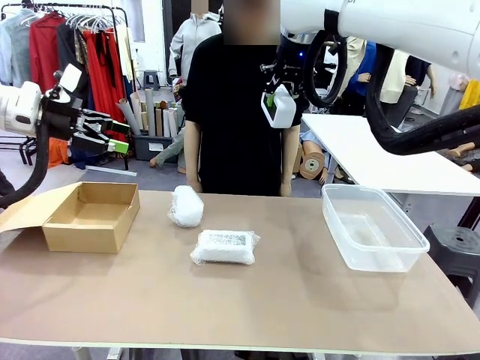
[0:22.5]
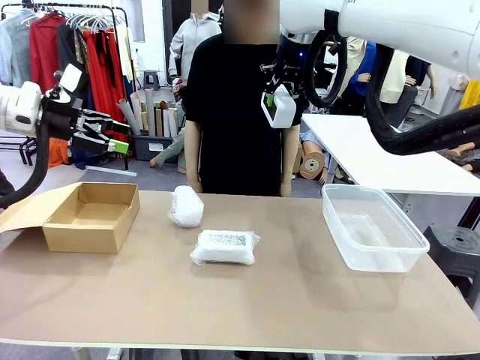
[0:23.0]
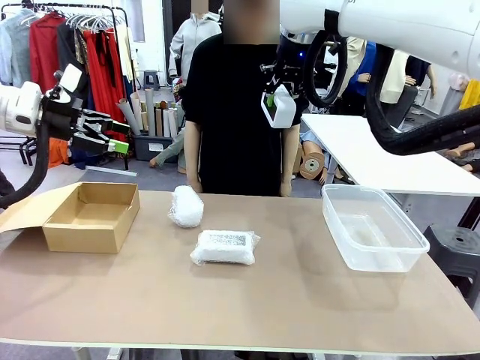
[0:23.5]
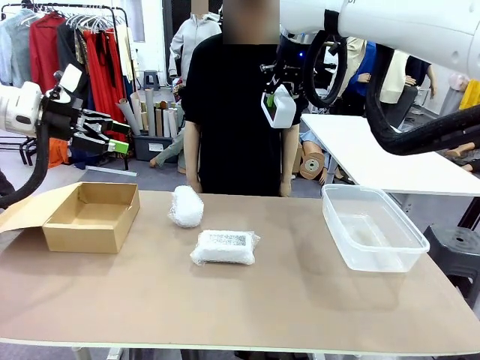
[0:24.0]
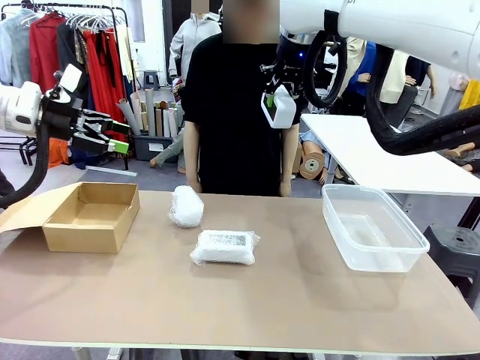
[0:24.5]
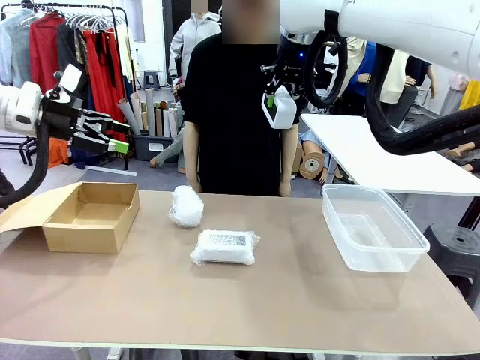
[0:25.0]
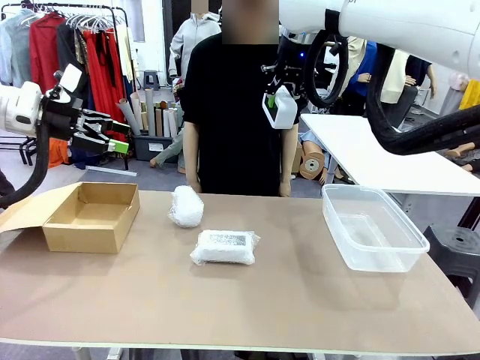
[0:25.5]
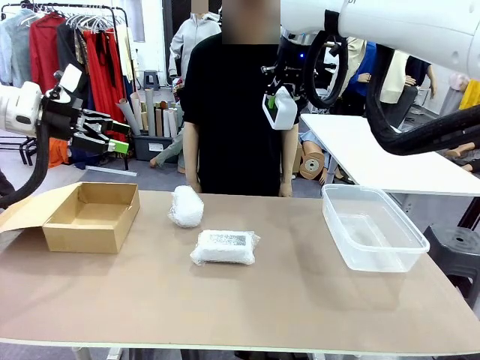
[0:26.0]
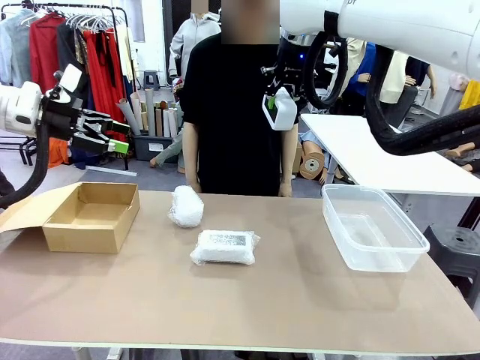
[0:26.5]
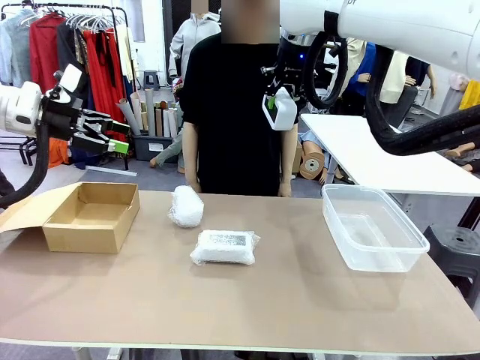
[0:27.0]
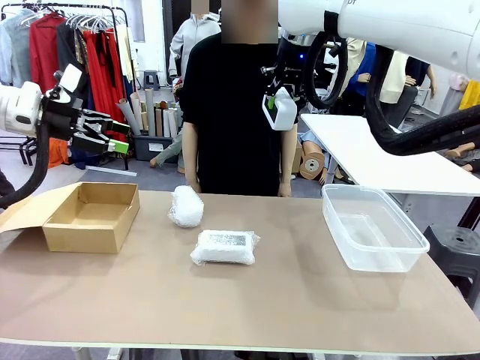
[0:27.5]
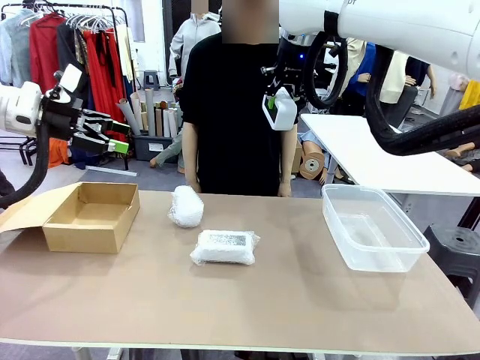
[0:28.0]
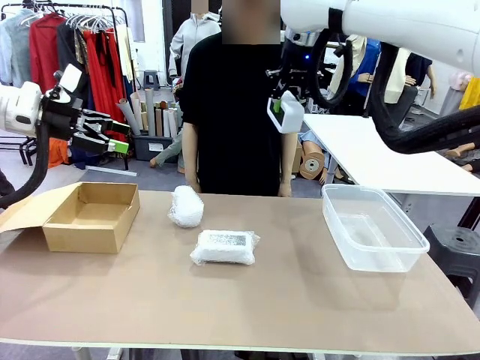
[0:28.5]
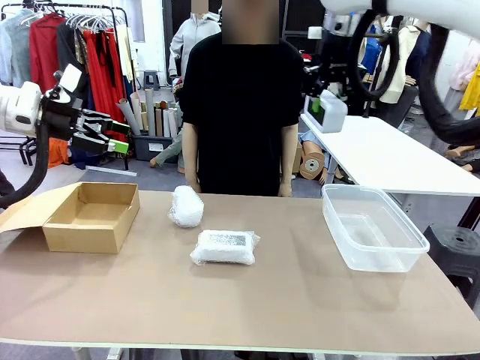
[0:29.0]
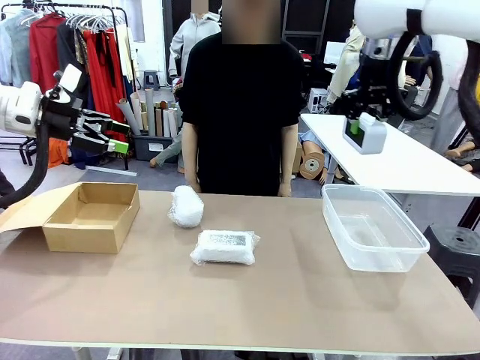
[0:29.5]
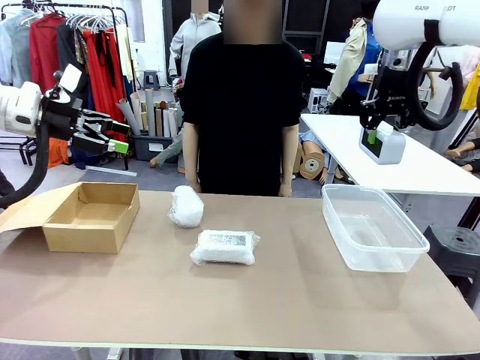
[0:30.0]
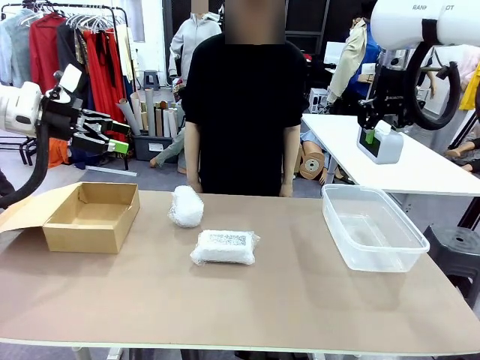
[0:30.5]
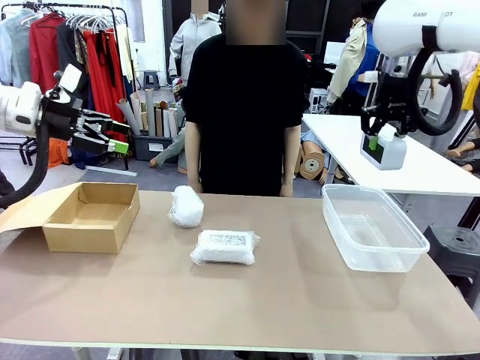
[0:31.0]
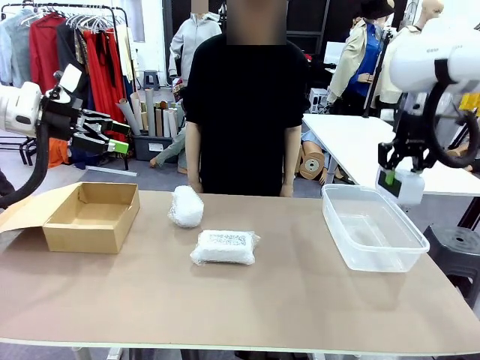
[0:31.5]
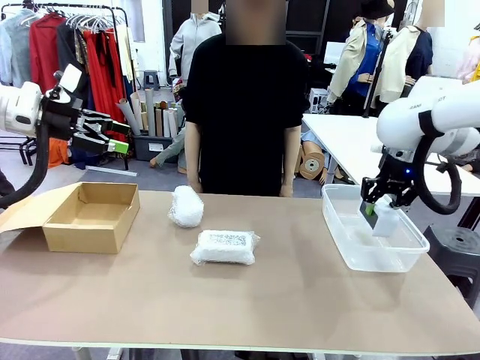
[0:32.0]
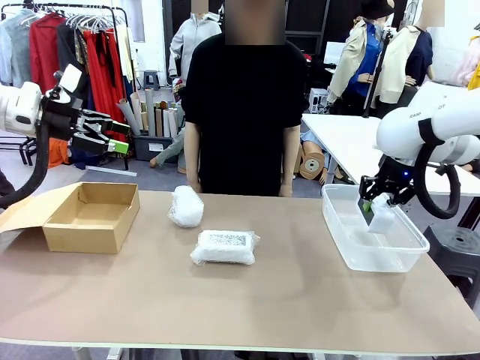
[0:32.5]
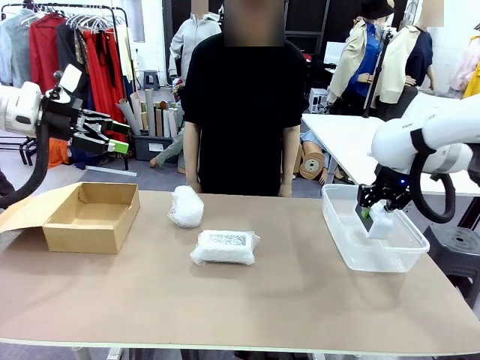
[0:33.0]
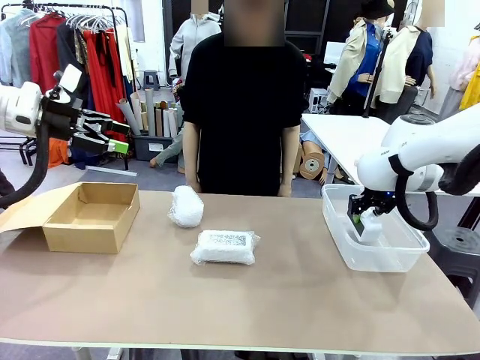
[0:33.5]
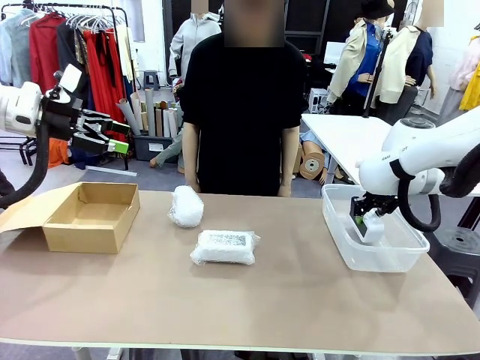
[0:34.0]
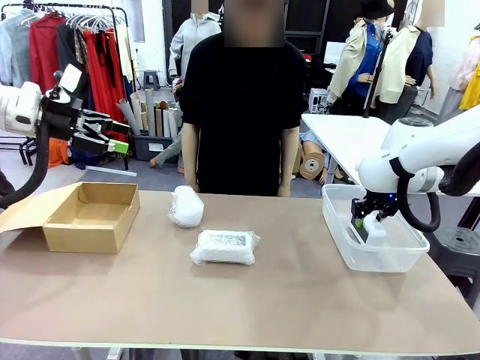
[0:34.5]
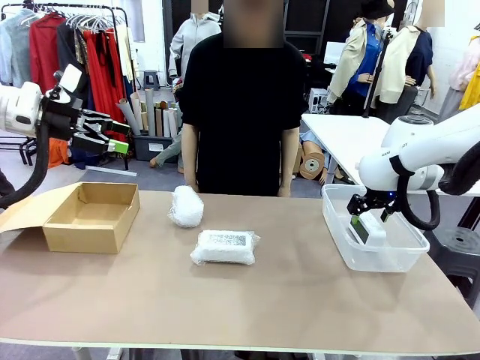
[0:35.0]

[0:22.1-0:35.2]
Task: Separate and place wrapped and unwrapped clocks.
Robot: If the picked Digital clock is wrapped, place it in the Package Box ; if not, place it in the Organizing box.

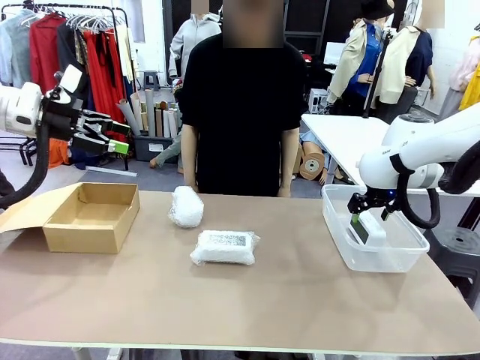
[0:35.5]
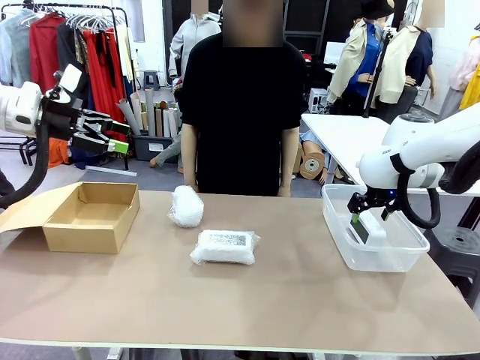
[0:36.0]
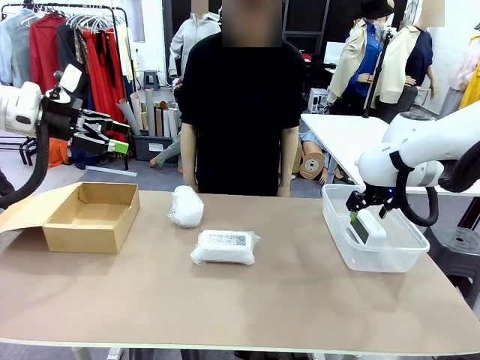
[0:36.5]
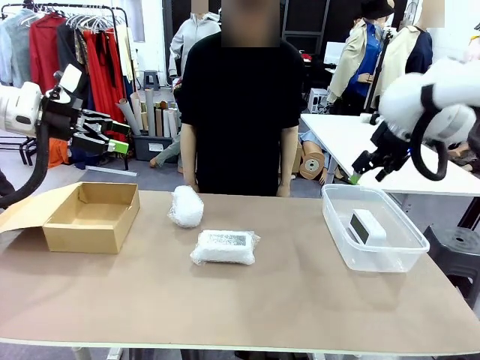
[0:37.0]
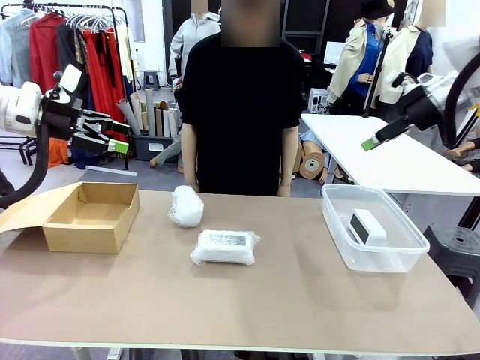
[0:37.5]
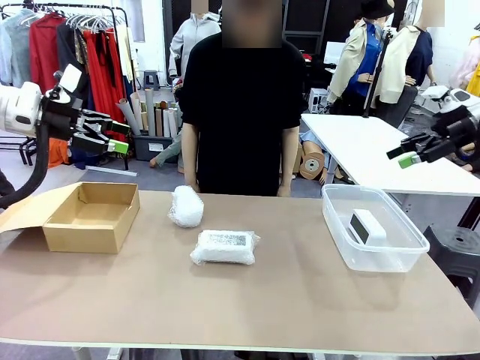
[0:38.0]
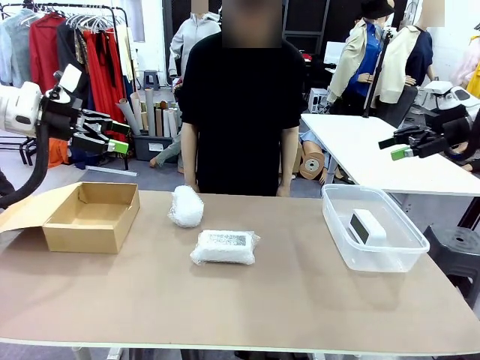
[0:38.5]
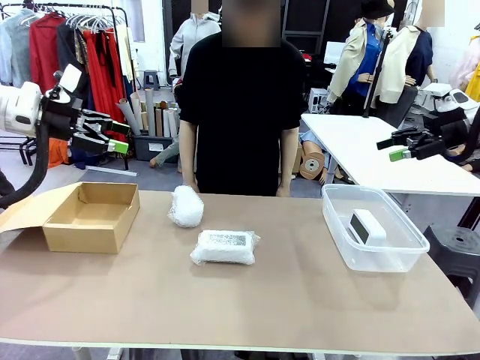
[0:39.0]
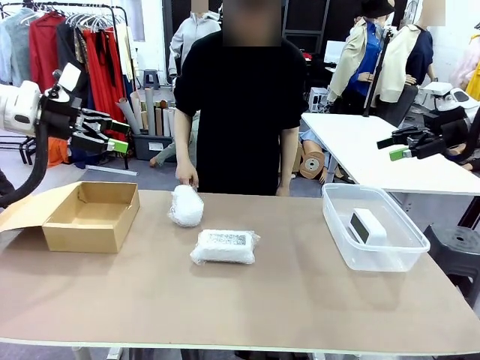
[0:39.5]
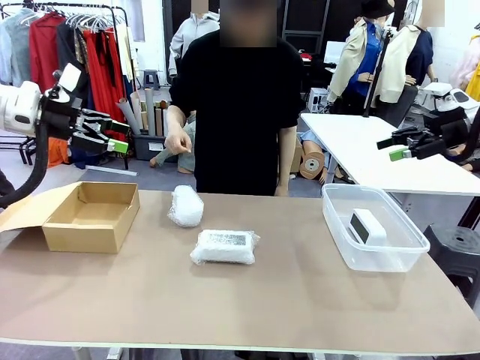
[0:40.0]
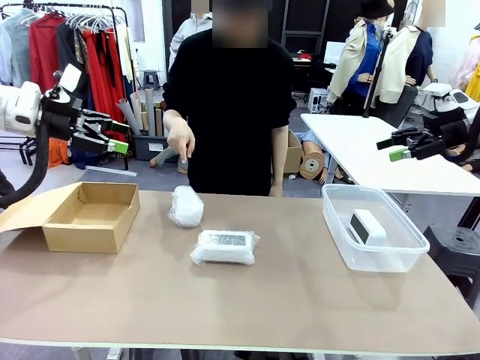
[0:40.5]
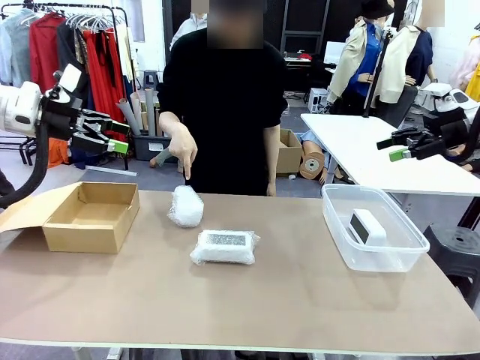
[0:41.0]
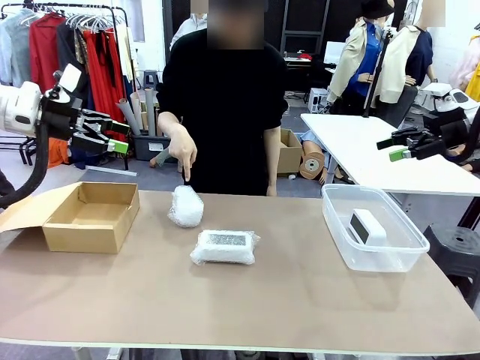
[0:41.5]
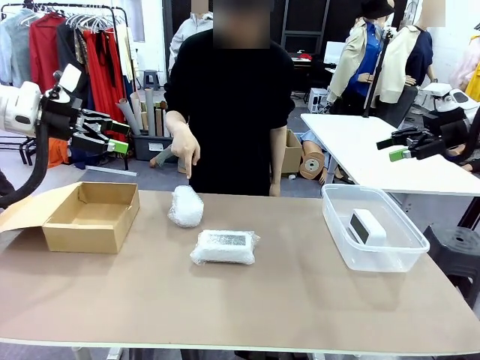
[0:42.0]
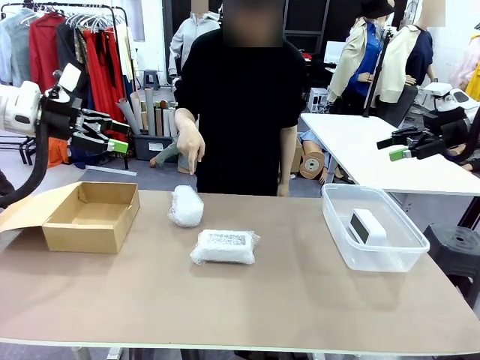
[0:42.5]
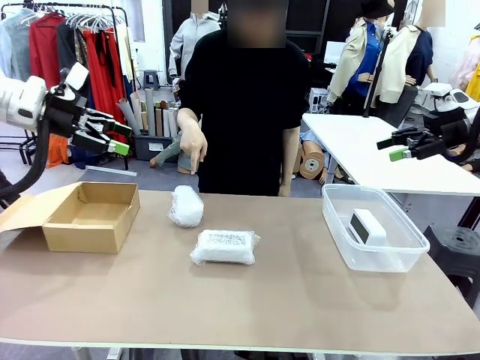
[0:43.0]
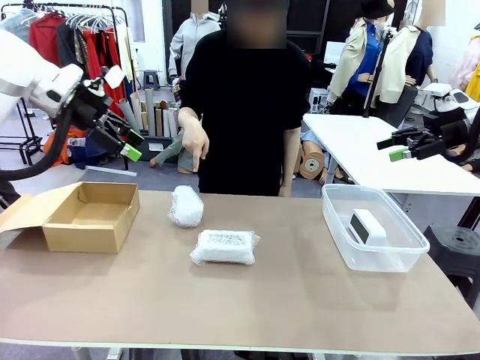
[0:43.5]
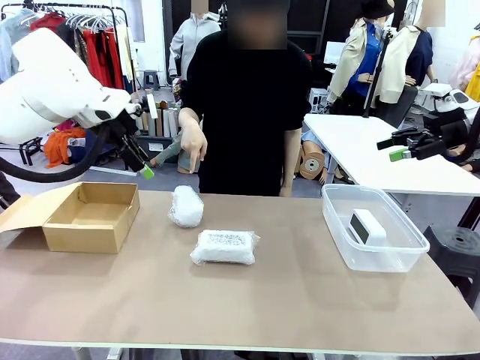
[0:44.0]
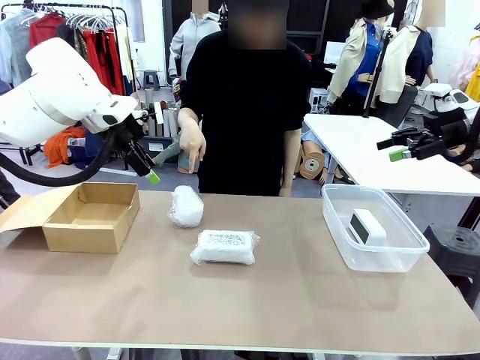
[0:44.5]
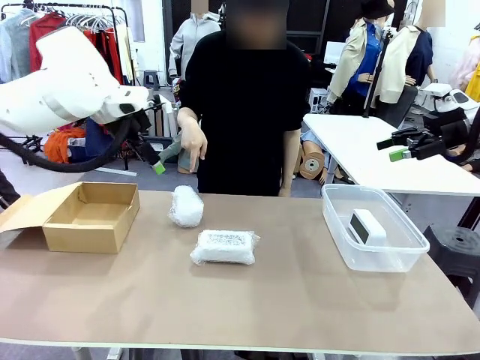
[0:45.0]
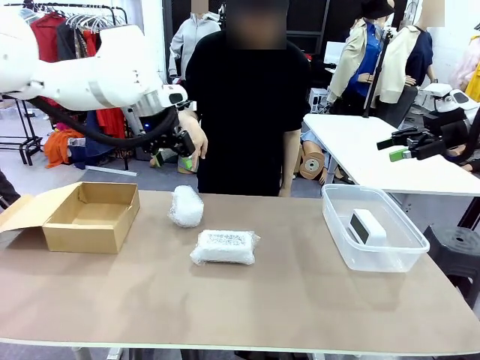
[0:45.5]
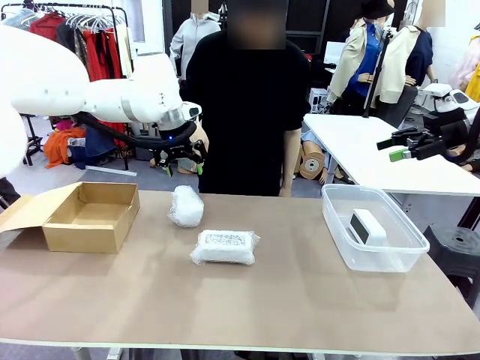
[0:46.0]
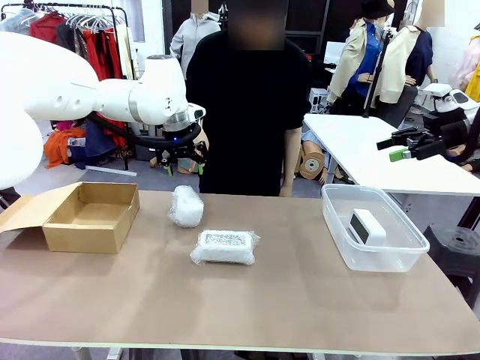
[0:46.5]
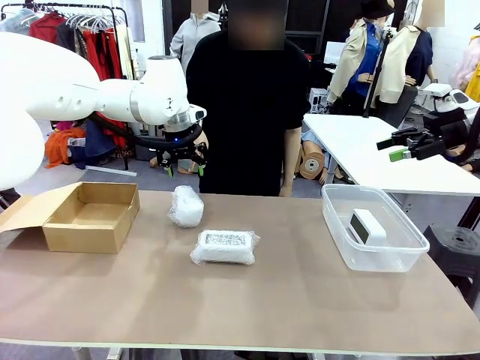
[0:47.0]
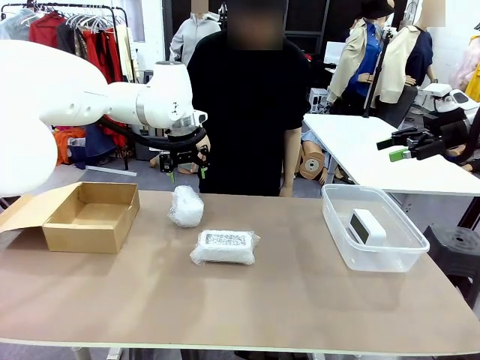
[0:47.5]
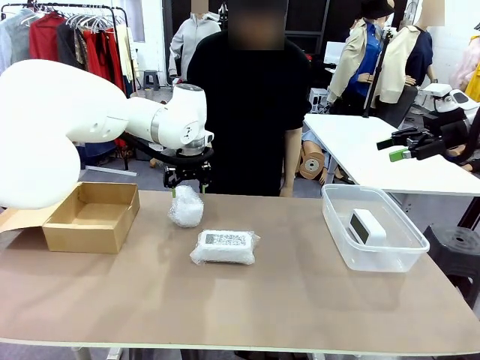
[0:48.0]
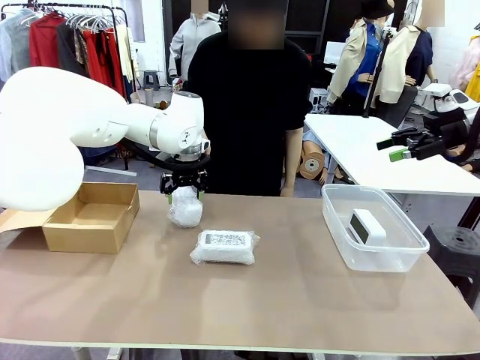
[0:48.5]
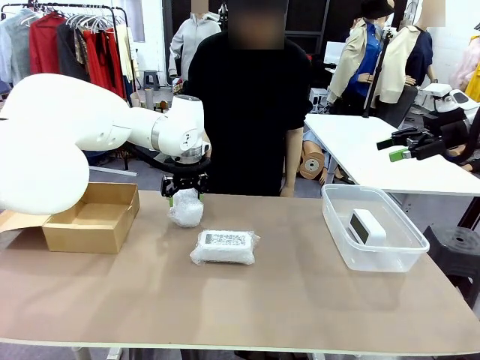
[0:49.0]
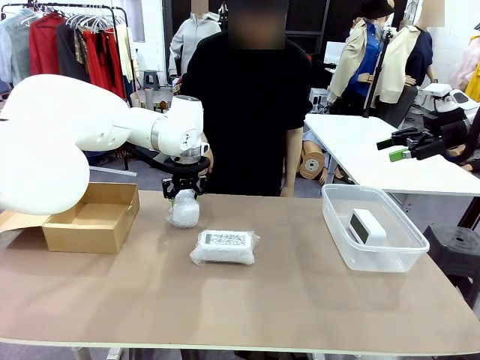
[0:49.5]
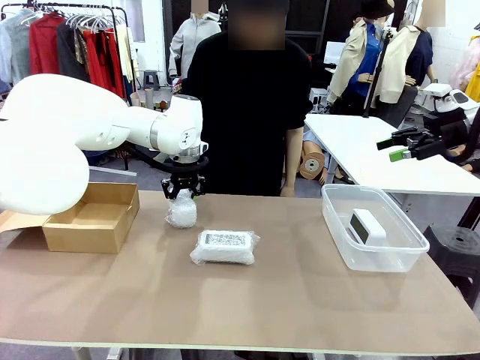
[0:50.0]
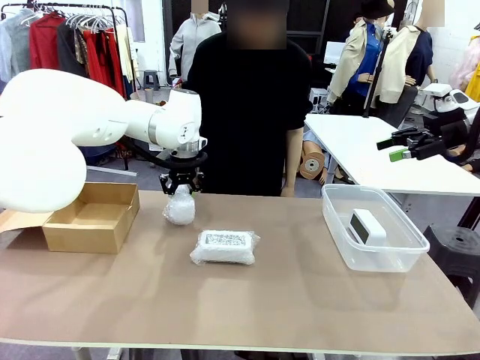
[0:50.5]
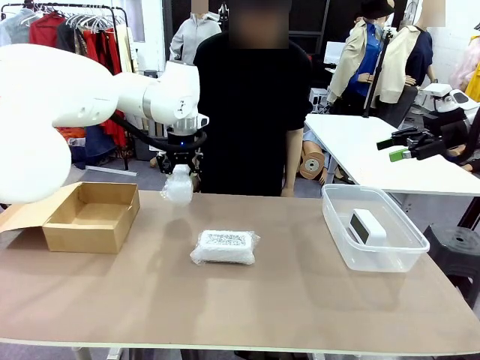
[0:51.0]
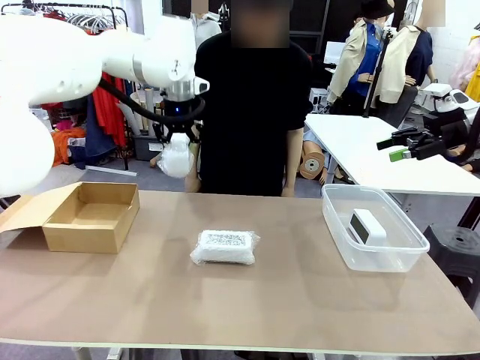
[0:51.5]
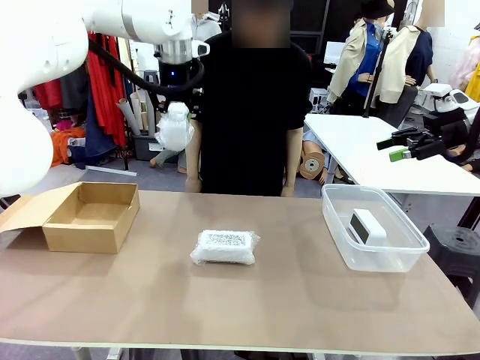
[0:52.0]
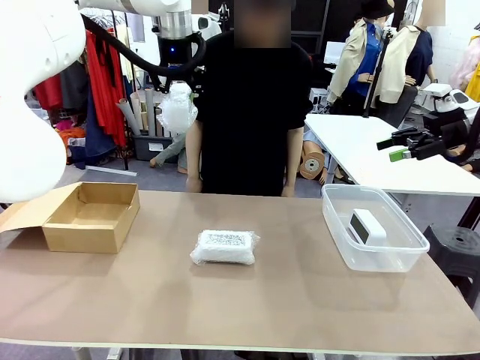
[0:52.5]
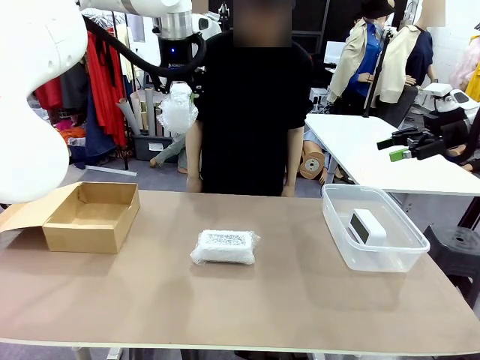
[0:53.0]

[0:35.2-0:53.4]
Robot: Pick up the Digital clock indicated by the person.
